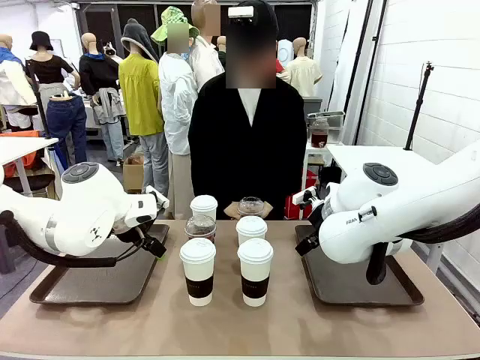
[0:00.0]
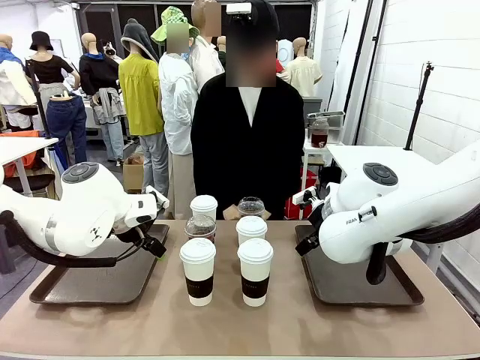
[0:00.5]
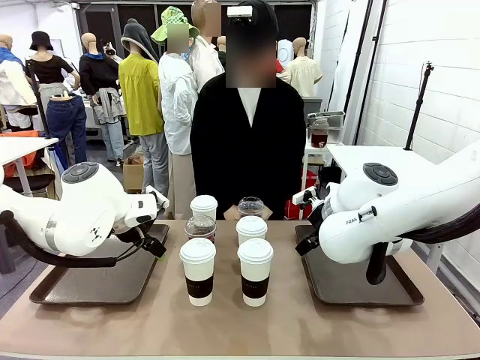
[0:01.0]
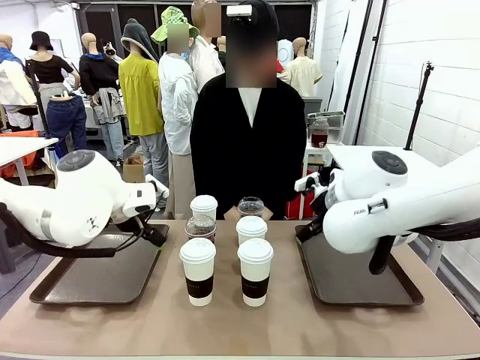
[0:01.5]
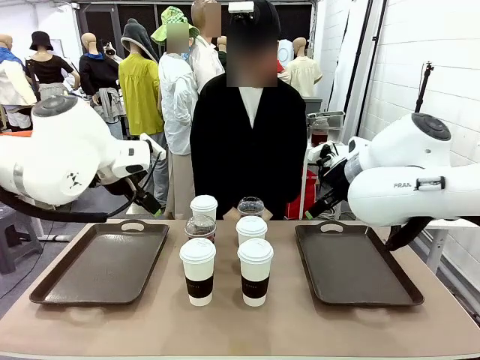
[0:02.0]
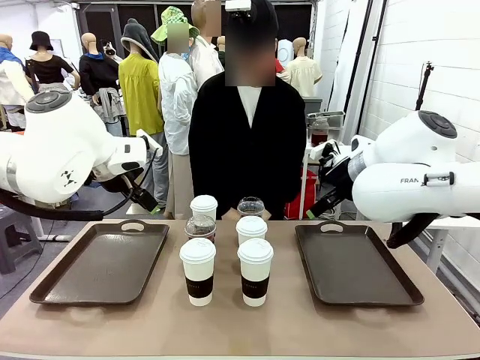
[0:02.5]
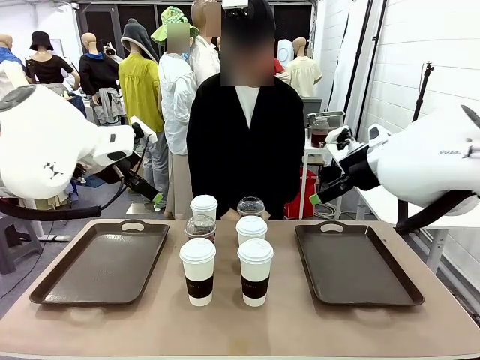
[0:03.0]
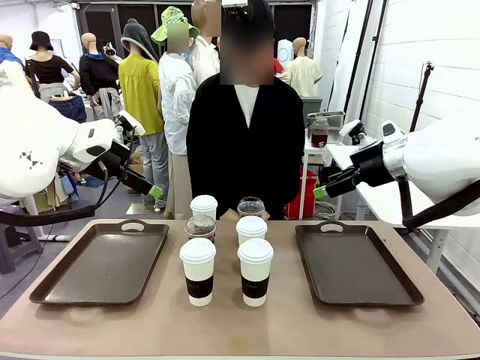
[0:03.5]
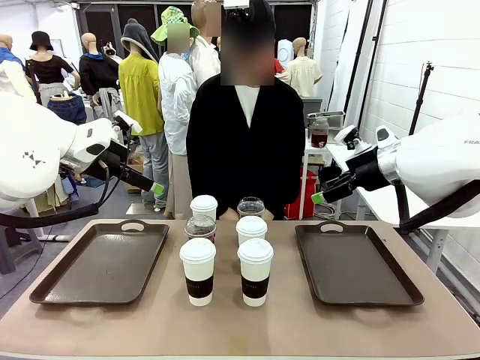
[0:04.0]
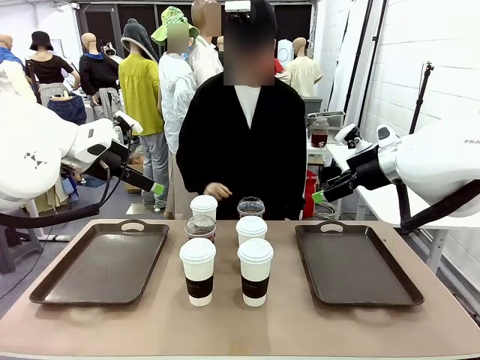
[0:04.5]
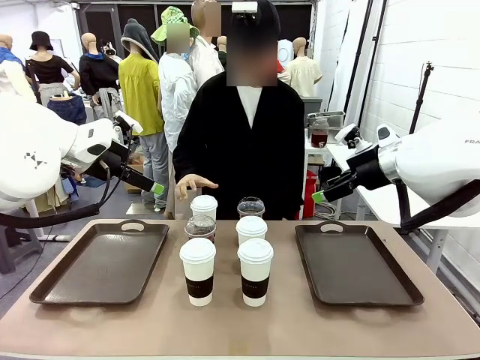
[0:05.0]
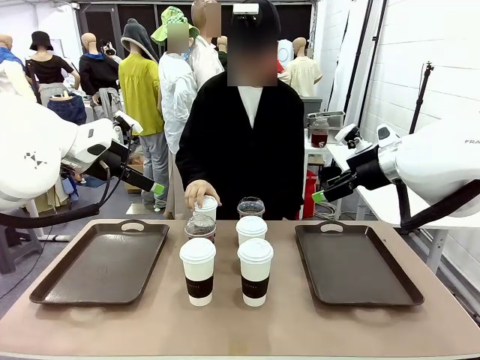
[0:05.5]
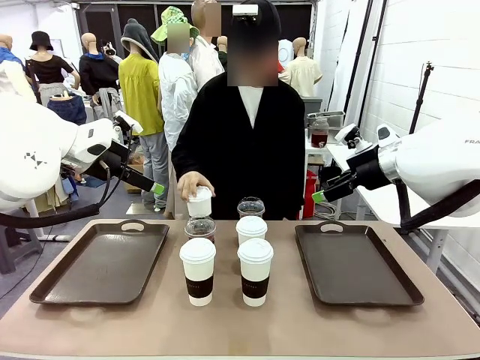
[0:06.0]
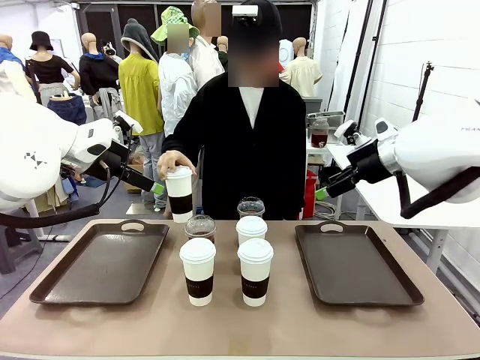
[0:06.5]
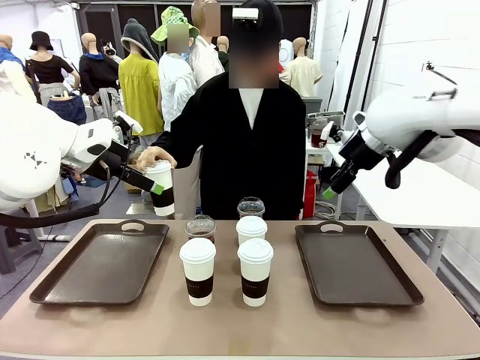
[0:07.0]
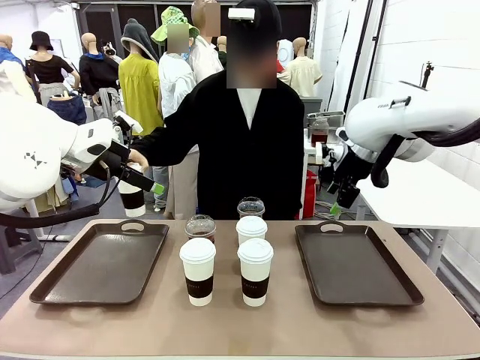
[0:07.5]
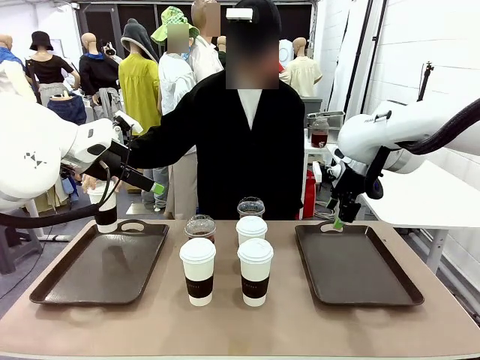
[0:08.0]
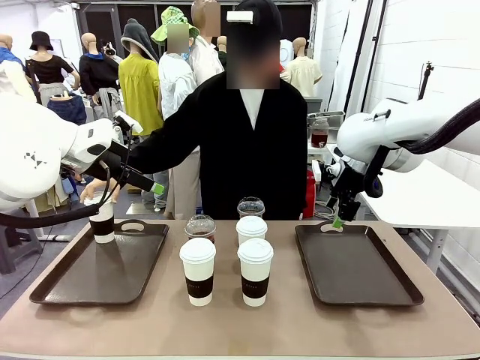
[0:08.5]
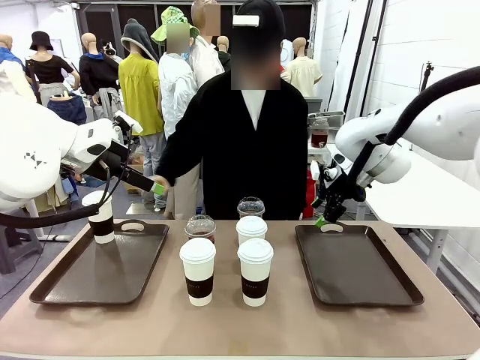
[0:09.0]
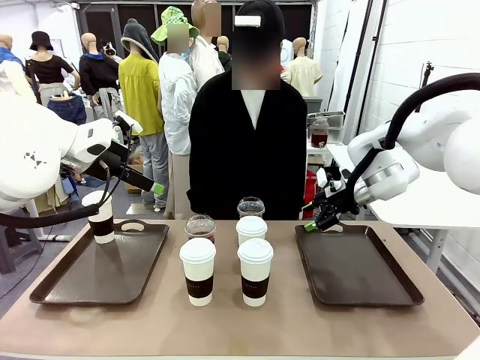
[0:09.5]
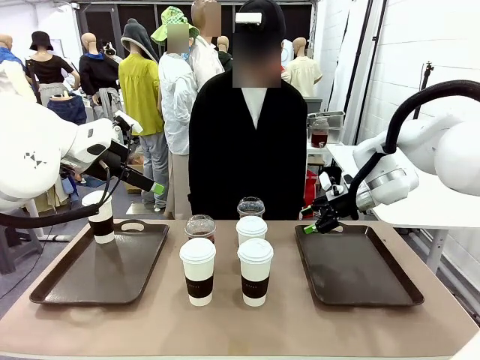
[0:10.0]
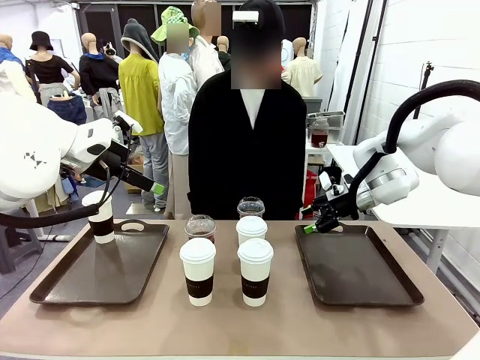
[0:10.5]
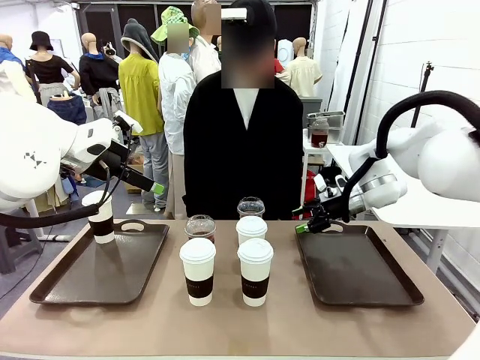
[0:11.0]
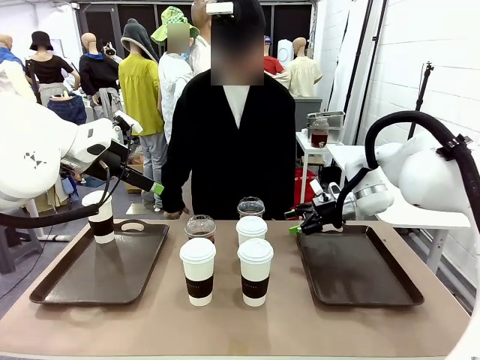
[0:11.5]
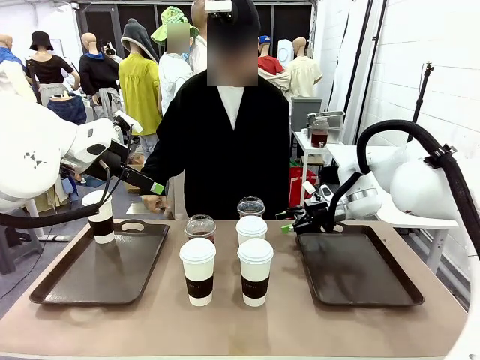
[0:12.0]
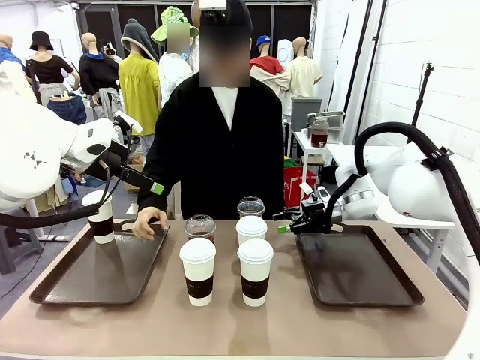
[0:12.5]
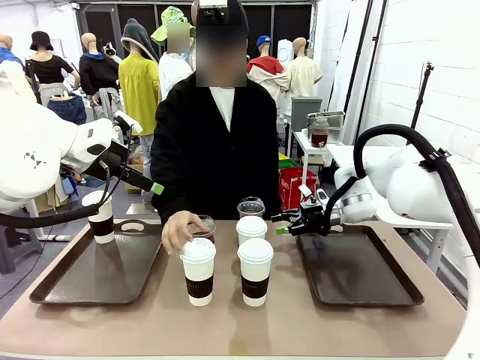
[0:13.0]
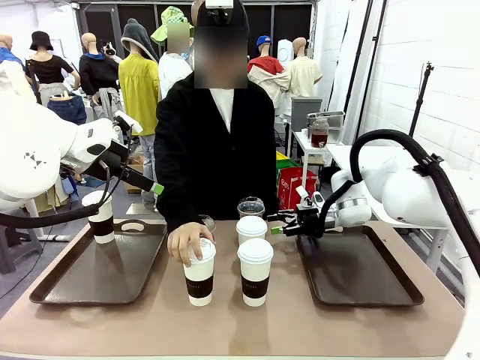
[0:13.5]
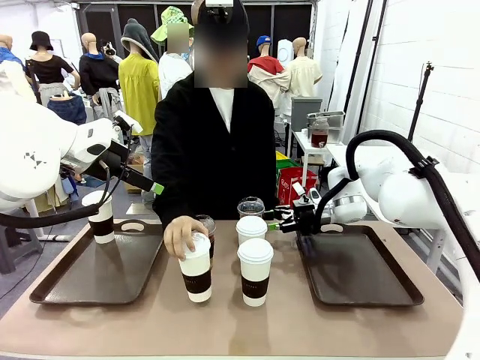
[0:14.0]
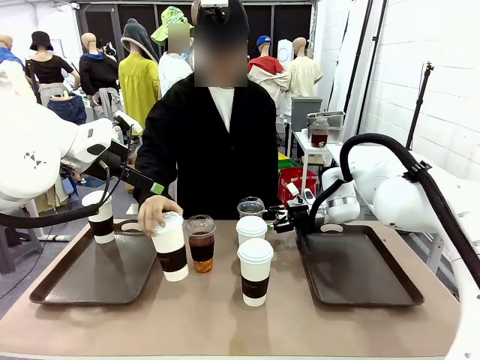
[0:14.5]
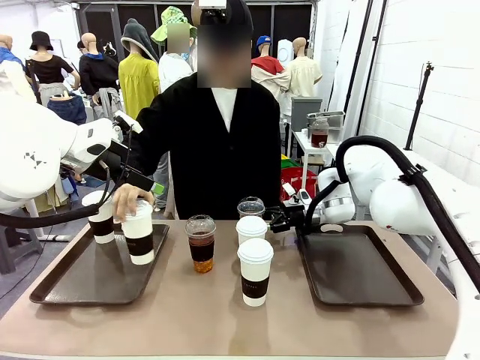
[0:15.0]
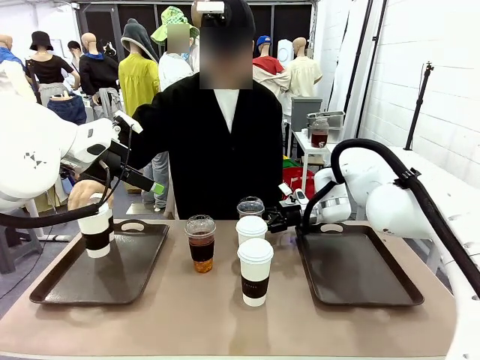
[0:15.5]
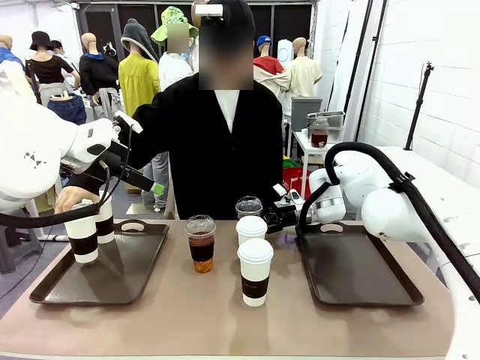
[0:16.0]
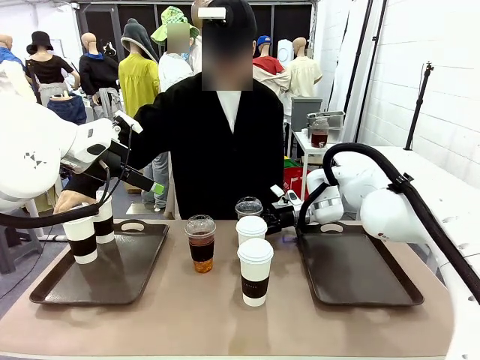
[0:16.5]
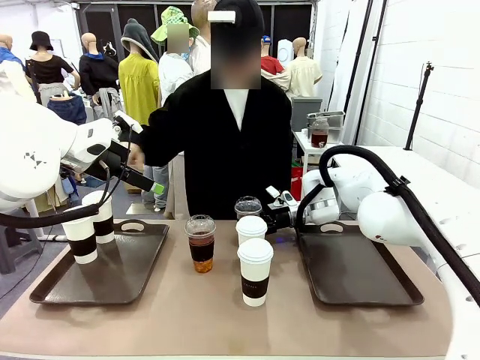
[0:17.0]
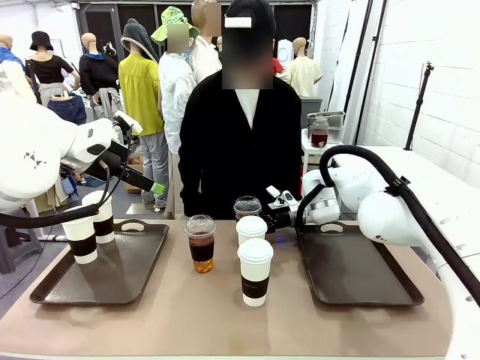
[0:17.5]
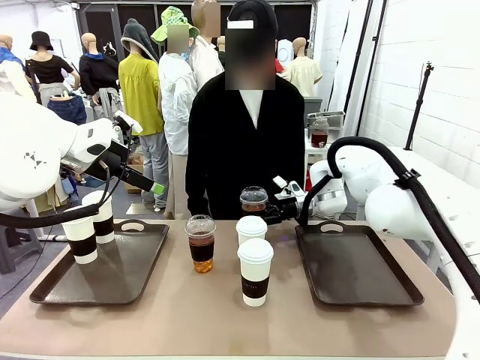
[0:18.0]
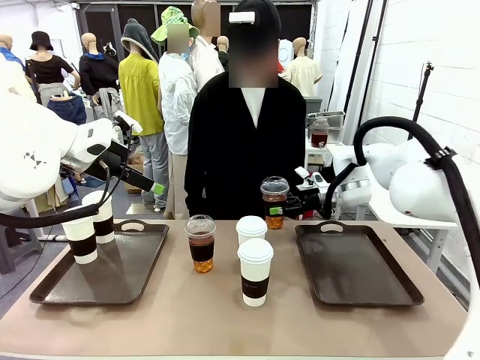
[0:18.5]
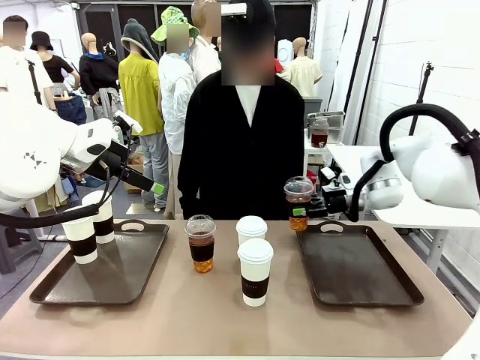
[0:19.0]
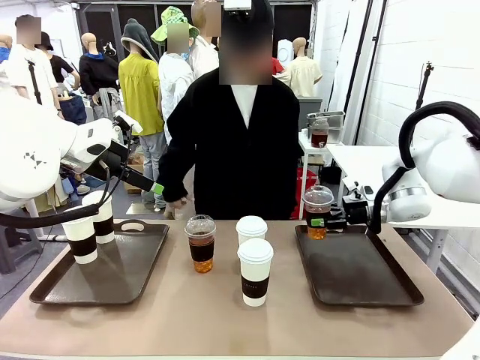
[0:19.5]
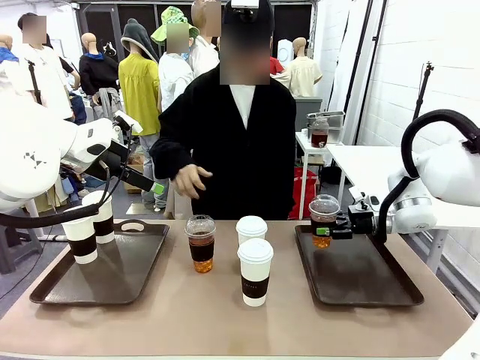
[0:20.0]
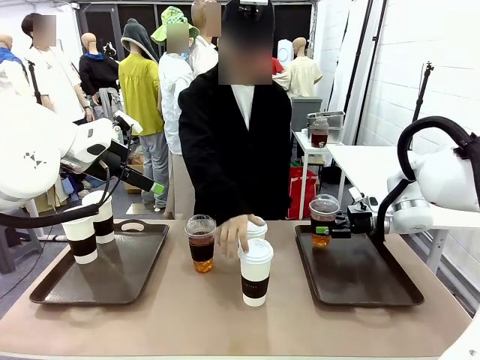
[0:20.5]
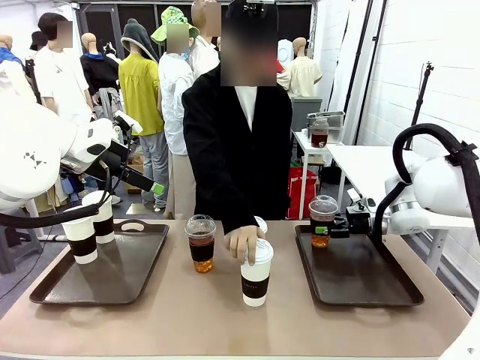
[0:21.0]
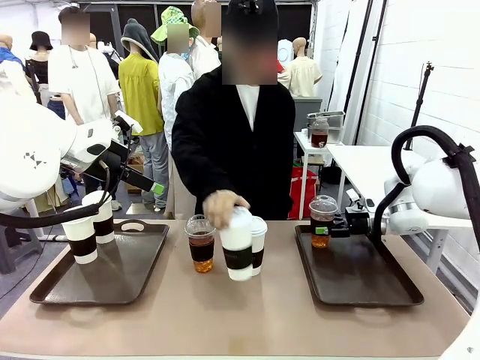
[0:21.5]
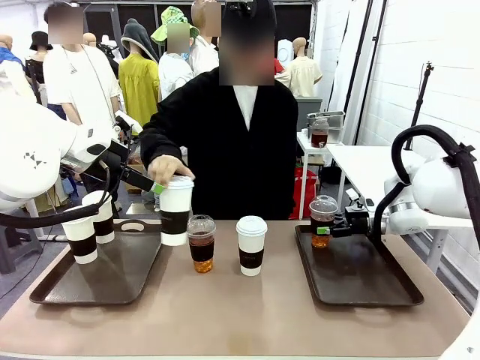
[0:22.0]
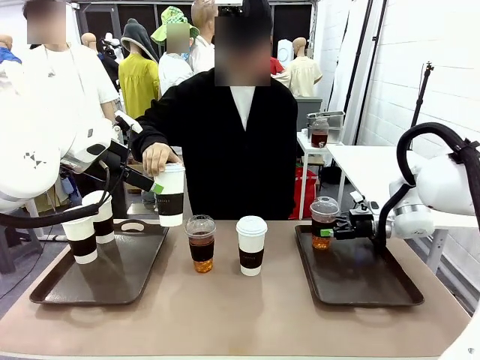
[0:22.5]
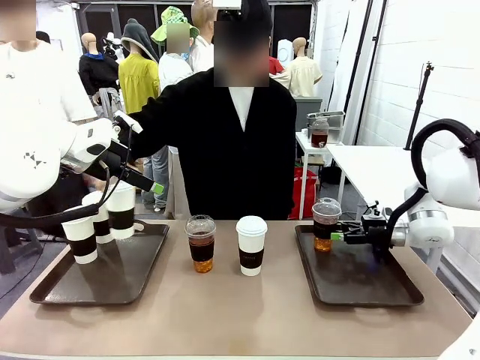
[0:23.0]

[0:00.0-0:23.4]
Task: Distribute the coffee onto the tray.
Robot: Pick up one iced Americano and place it on the right Handle tray.
Person: Pick up a cup of hot Americano and place it on the right tray.
